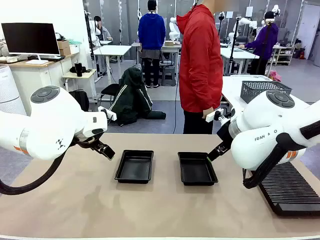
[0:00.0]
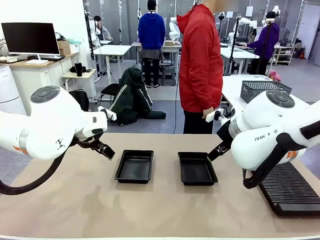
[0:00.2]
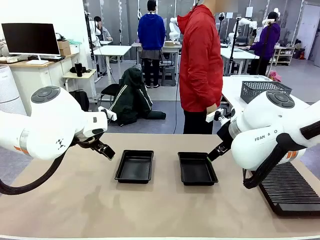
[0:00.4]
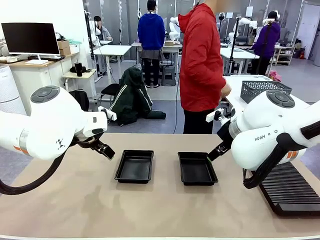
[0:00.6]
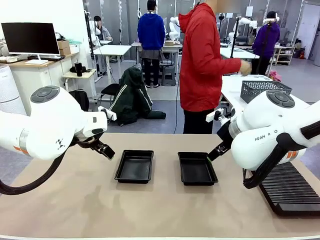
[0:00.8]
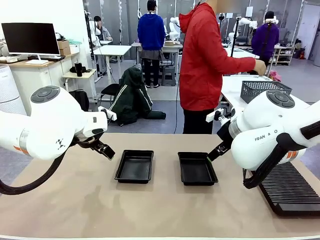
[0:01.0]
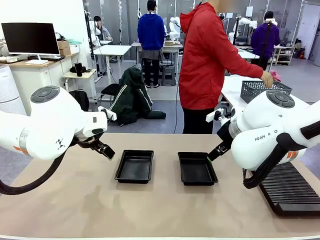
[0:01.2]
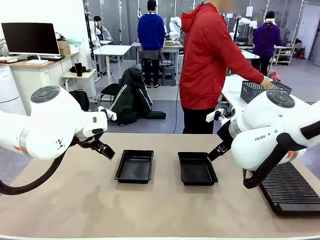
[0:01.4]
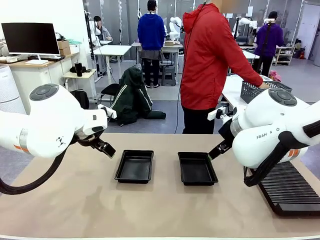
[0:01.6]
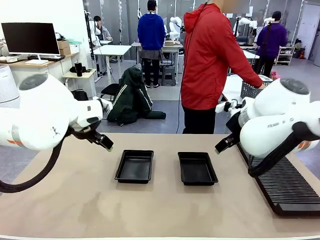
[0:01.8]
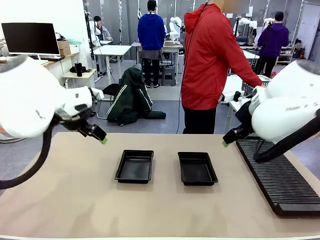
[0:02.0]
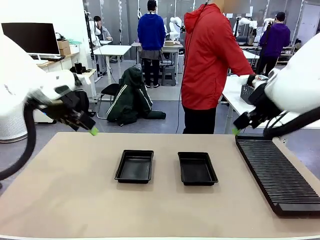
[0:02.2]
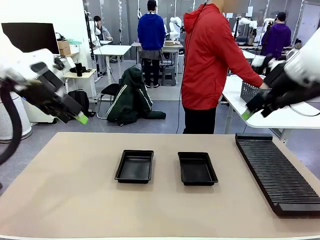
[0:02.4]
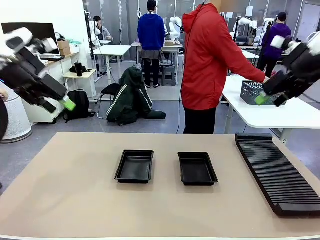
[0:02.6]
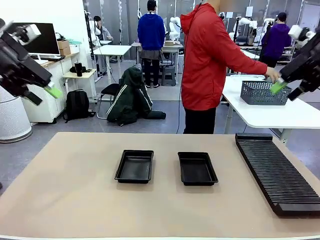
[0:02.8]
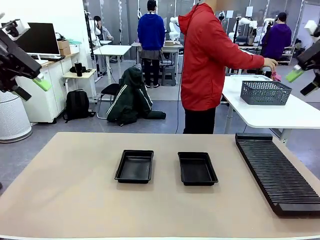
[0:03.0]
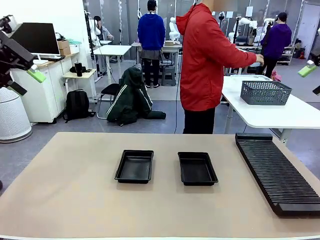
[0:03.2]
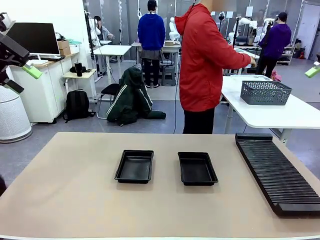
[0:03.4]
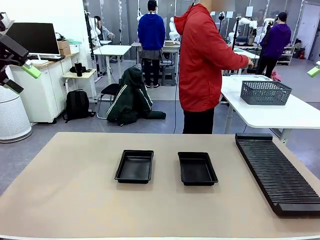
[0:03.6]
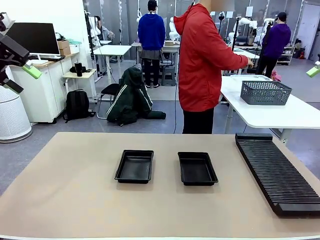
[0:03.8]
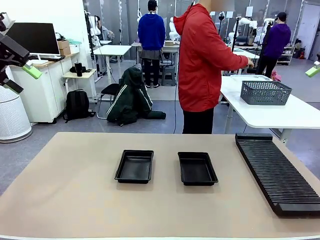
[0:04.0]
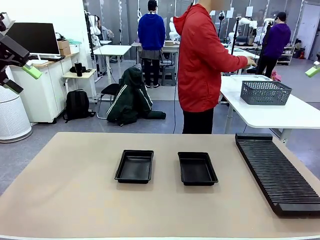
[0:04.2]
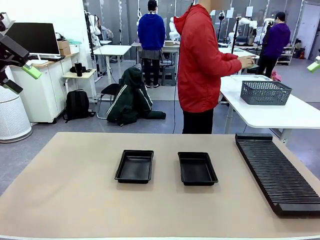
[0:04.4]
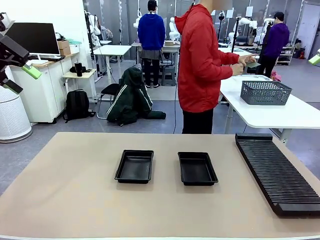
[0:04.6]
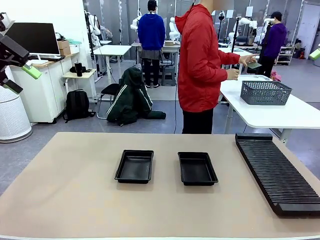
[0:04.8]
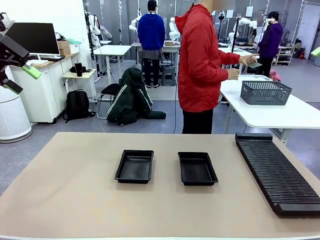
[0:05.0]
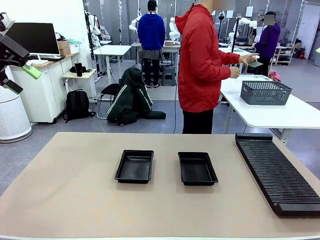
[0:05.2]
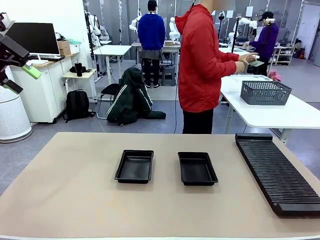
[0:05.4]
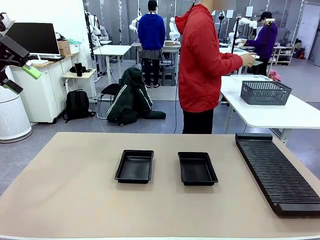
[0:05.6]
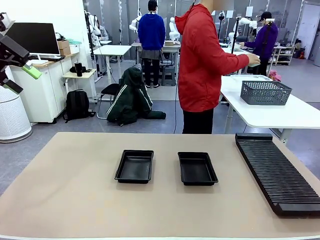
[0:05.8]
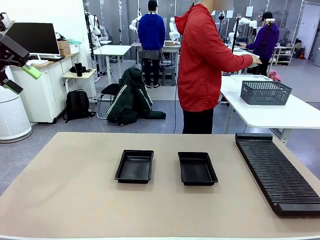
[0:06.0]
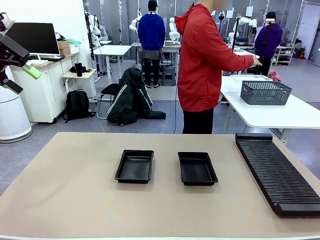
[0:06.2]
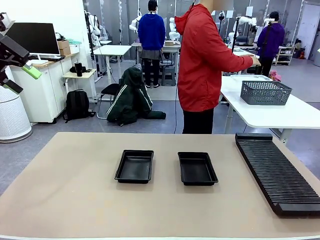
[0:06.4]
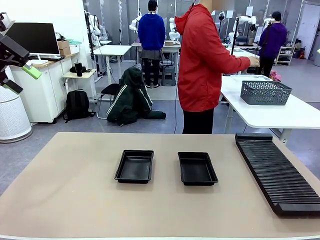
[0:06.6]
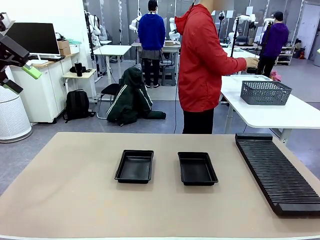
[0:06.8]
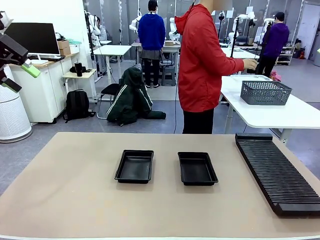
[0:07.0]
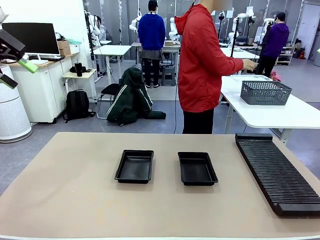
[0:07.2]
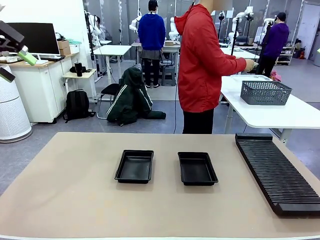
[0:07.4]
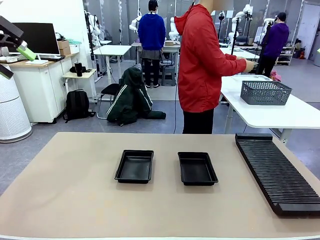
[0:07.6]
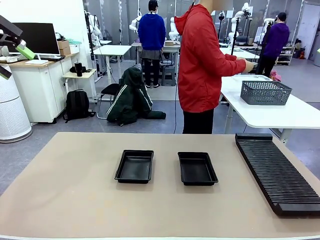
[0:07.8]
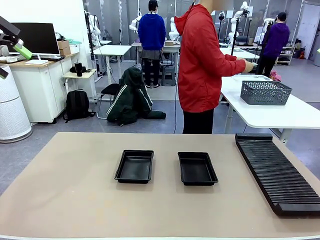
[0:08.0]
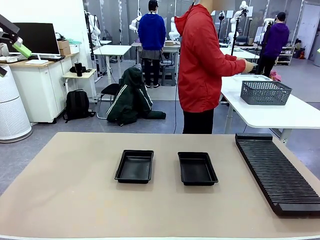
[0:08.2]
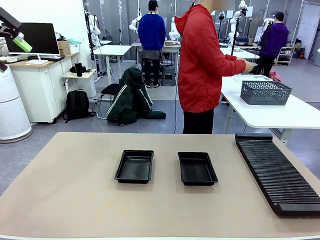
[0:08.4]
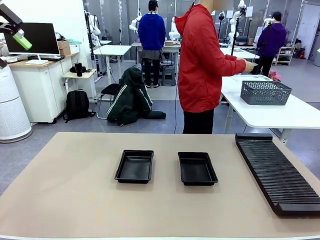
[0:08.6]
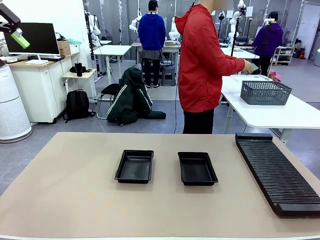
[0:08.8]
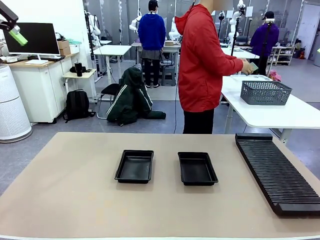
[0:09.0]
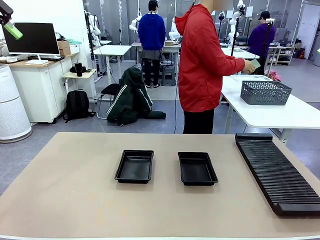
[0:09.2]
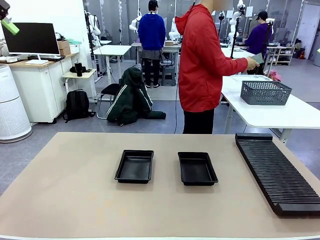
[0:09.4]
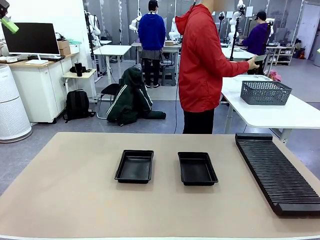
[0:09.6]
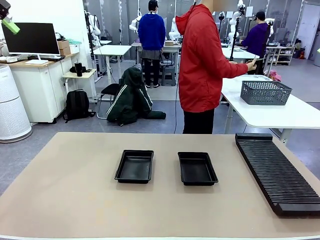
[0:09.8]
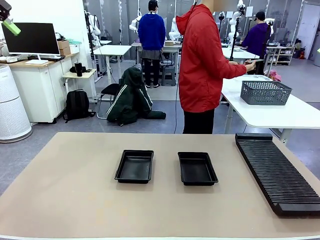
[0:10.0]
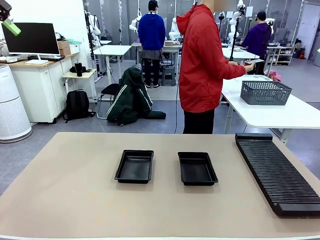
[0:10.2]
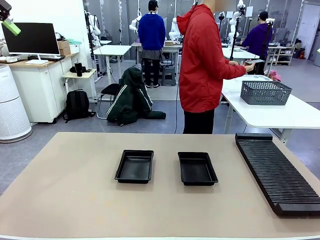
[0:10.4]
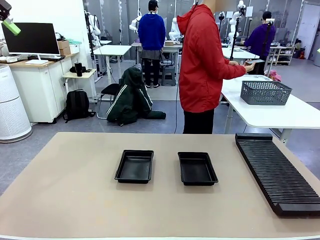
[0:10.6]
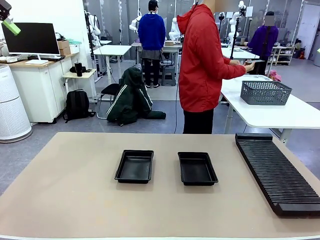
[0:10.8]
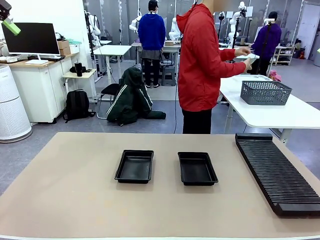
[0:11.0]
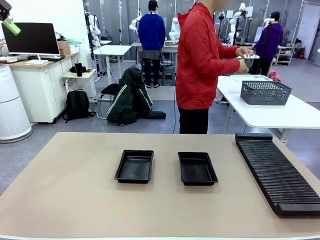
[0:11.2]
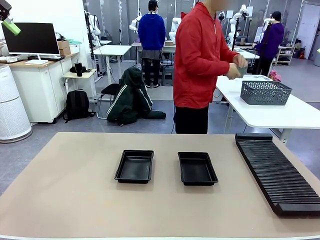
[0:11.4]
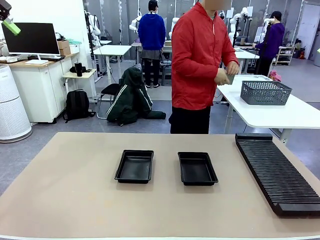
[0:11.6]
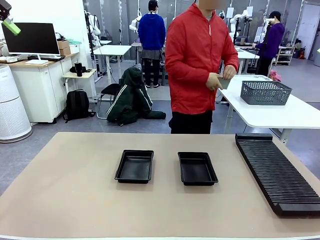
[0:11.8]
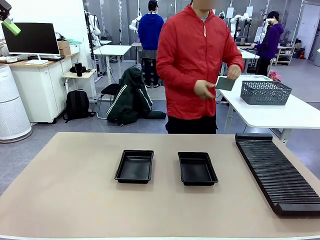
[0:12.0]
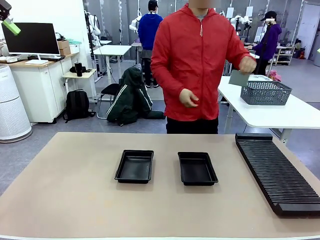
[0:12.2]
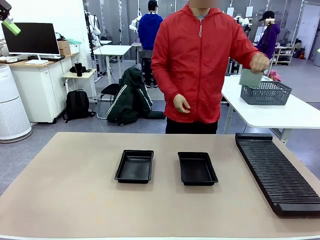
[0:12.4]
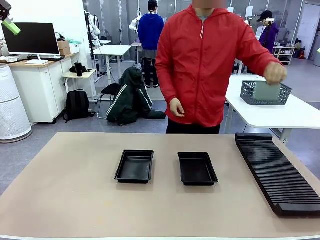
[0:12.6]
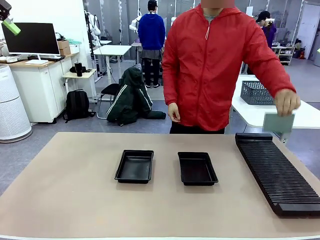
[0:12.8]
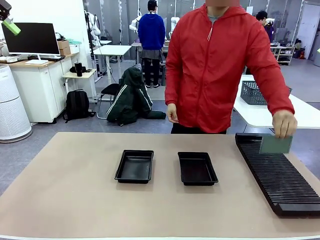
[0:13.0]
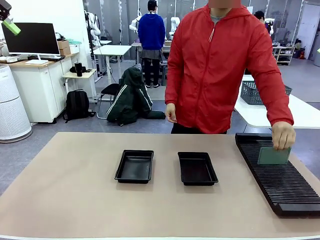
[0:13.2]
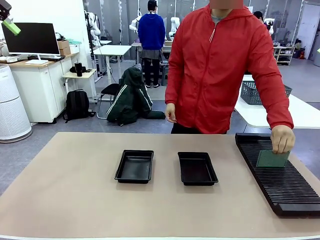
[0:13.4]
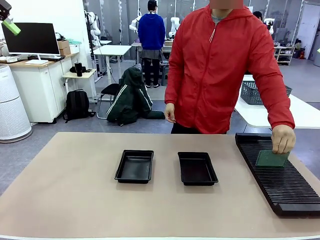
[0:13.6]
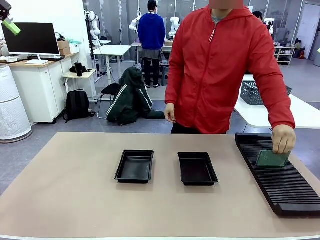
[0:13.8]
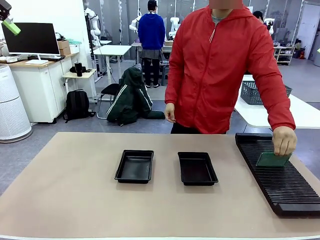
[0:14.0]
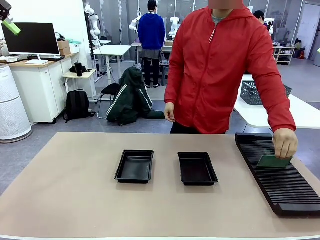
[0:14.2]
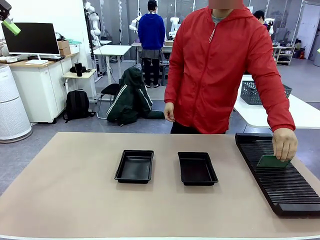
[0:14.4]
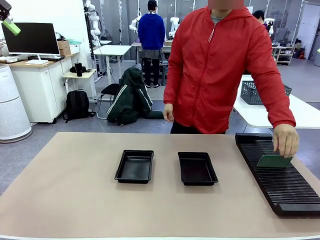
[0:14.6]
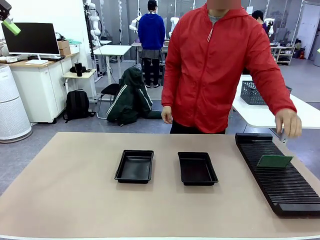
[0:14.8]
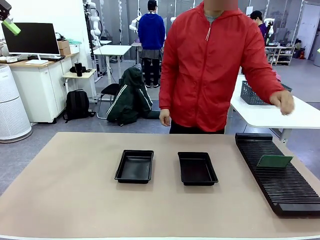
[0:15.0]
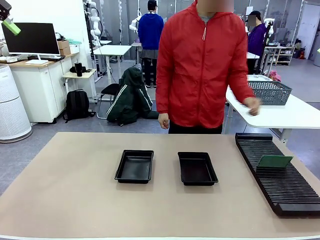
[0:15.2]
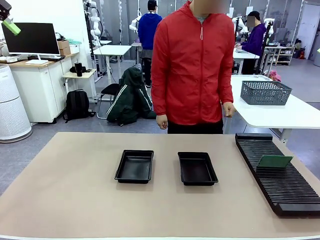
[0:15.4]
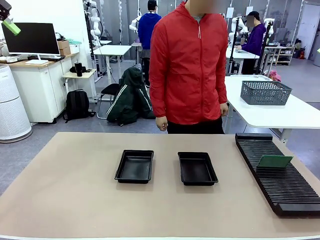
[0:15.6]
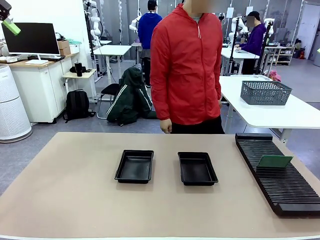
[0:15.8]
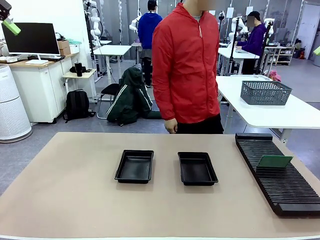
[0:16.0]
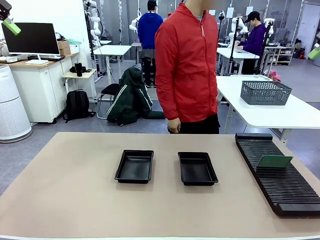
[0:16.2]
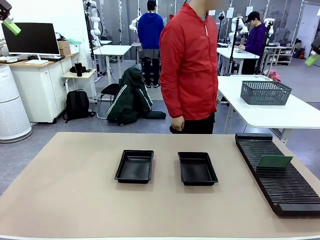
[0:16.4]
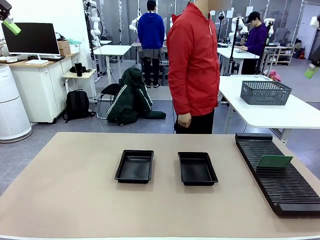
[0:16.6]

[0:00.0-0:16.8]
Task: Inspect and transfer BCBs to ESD trays.
Robot: Pick up the Blank PCB from the PCB Rack and place it in the left ESD tray.
